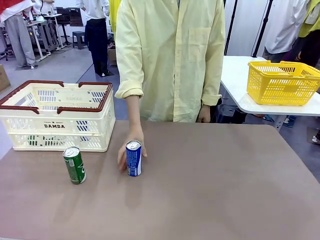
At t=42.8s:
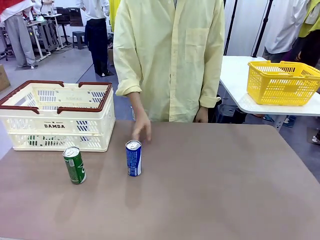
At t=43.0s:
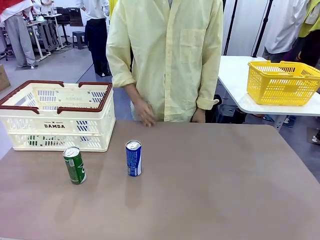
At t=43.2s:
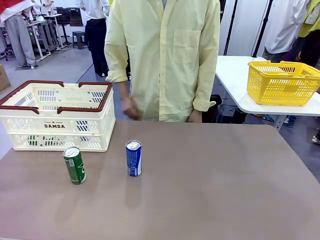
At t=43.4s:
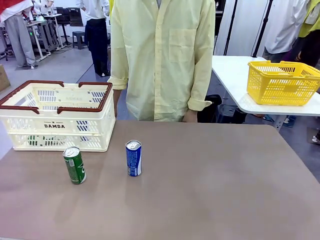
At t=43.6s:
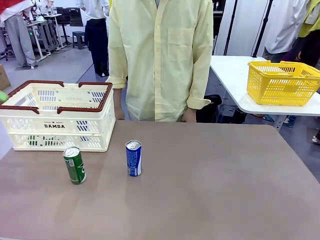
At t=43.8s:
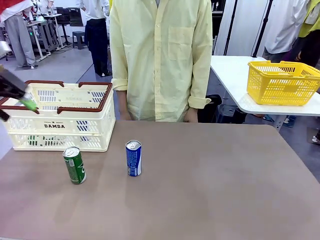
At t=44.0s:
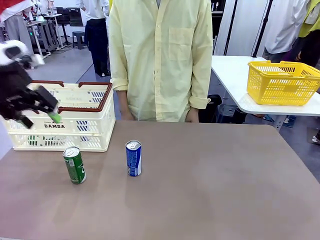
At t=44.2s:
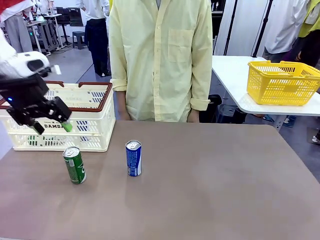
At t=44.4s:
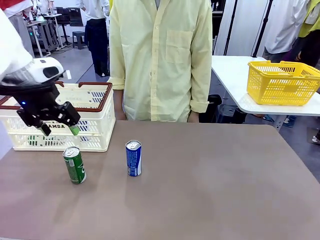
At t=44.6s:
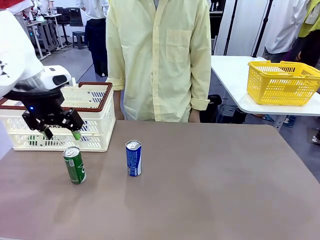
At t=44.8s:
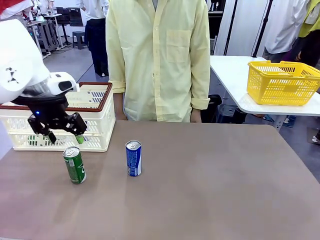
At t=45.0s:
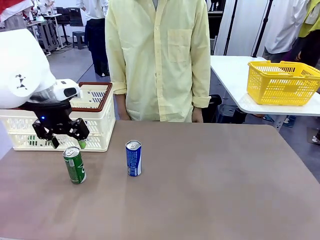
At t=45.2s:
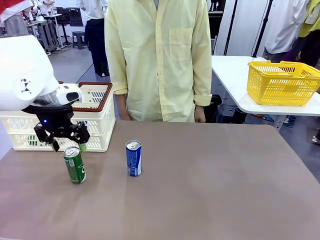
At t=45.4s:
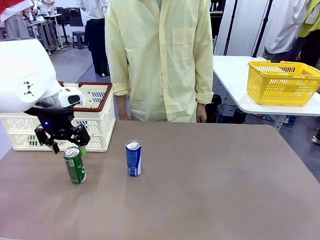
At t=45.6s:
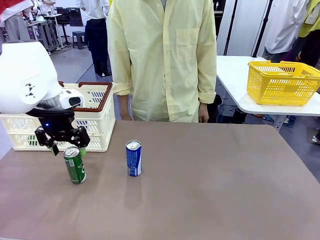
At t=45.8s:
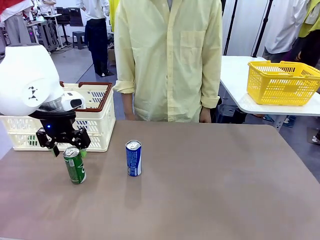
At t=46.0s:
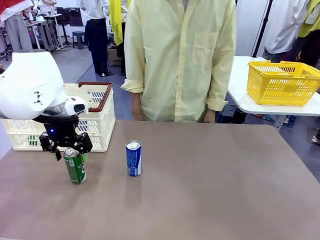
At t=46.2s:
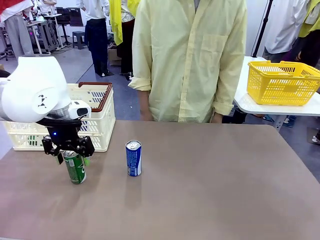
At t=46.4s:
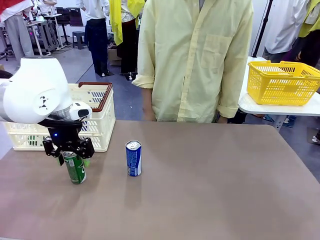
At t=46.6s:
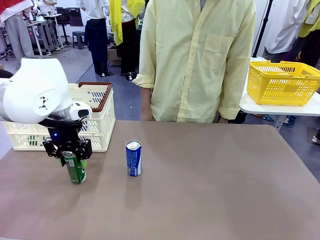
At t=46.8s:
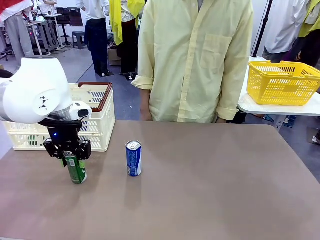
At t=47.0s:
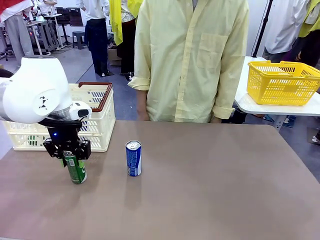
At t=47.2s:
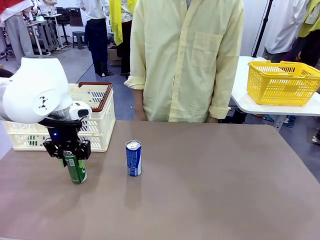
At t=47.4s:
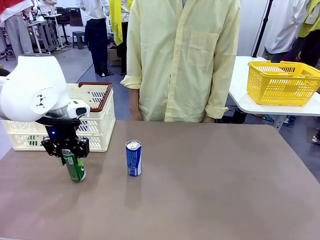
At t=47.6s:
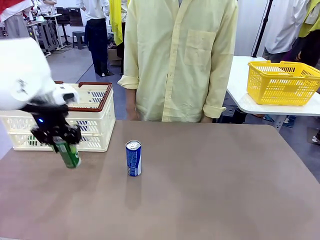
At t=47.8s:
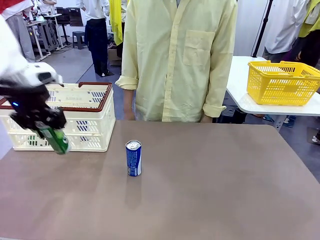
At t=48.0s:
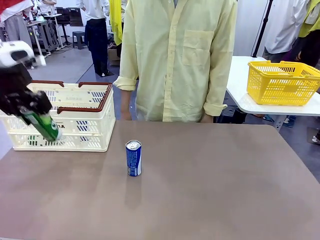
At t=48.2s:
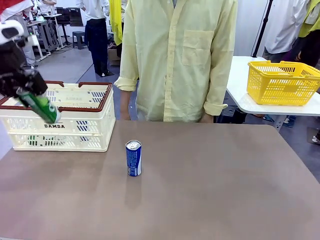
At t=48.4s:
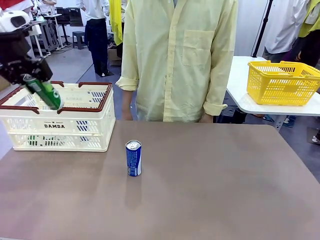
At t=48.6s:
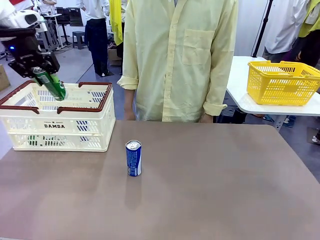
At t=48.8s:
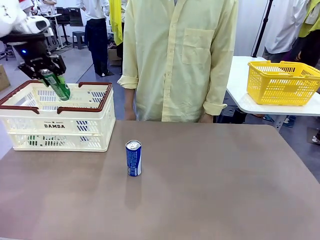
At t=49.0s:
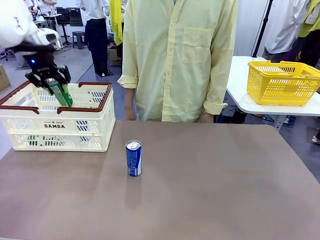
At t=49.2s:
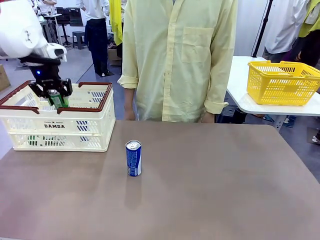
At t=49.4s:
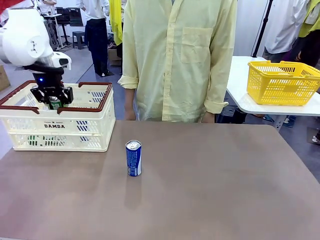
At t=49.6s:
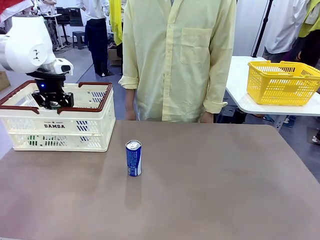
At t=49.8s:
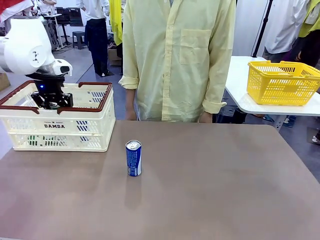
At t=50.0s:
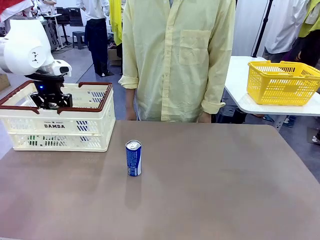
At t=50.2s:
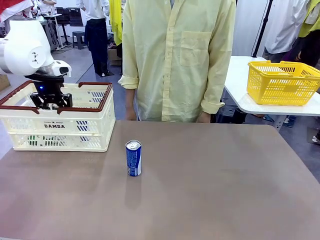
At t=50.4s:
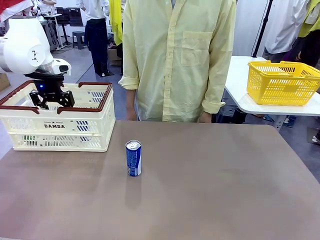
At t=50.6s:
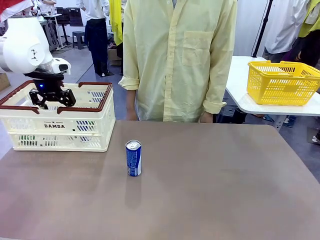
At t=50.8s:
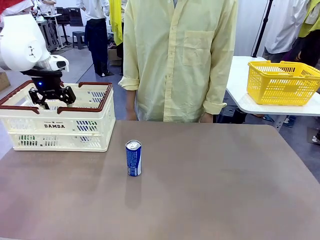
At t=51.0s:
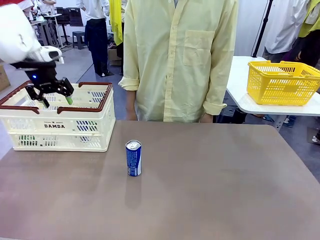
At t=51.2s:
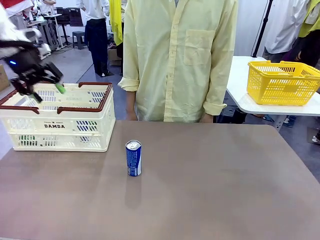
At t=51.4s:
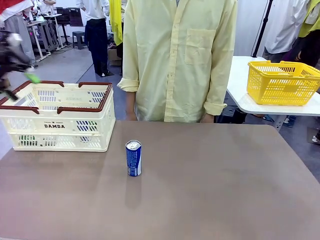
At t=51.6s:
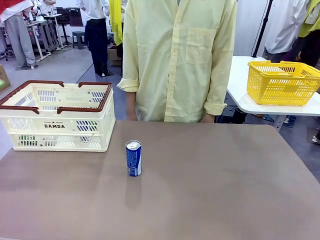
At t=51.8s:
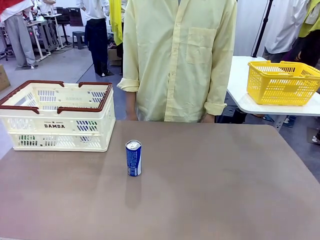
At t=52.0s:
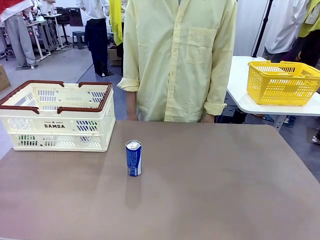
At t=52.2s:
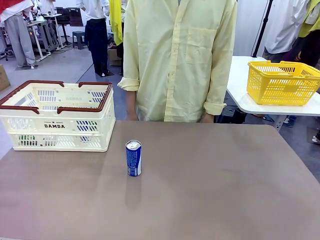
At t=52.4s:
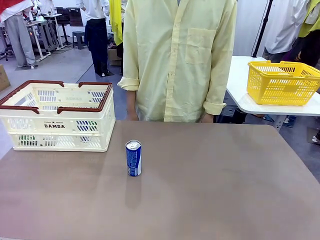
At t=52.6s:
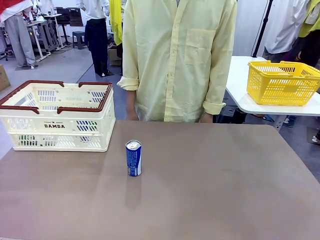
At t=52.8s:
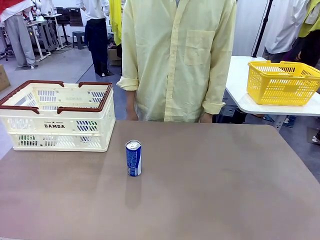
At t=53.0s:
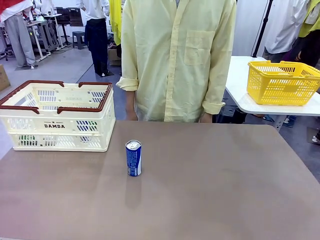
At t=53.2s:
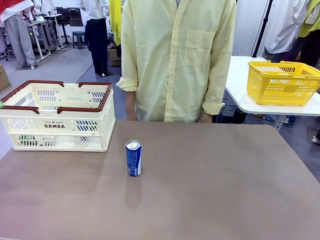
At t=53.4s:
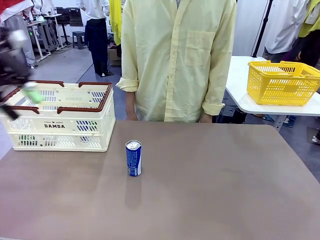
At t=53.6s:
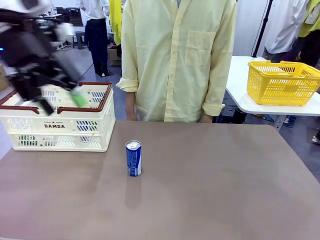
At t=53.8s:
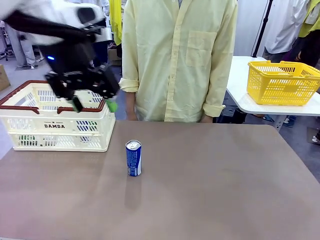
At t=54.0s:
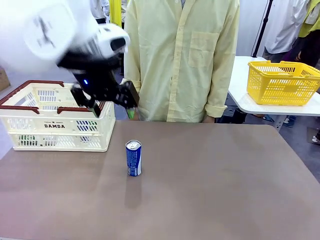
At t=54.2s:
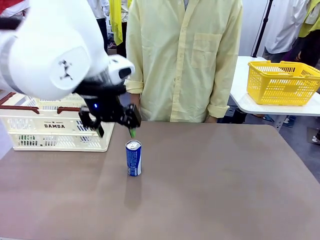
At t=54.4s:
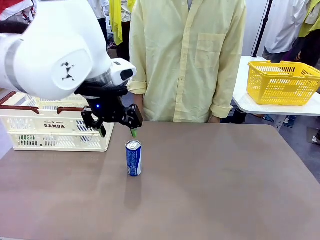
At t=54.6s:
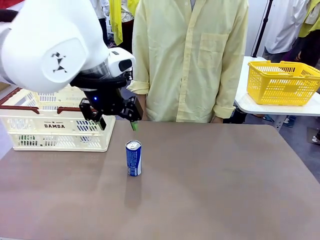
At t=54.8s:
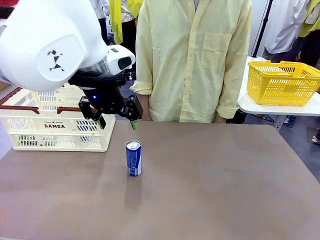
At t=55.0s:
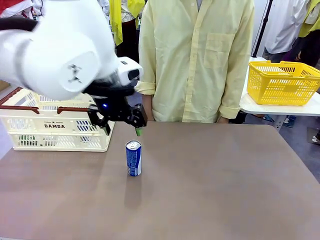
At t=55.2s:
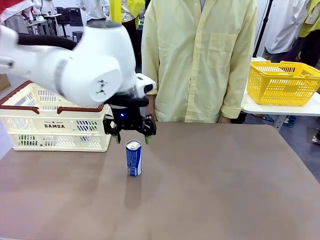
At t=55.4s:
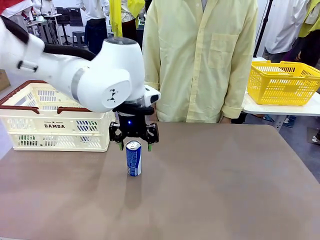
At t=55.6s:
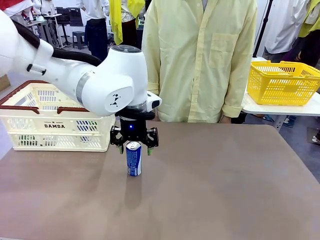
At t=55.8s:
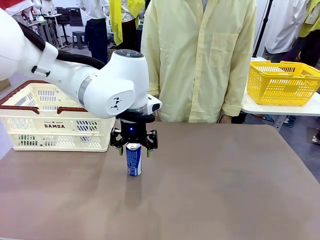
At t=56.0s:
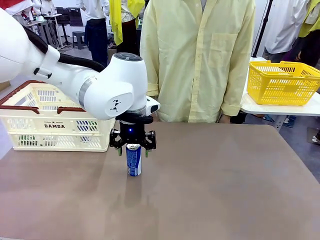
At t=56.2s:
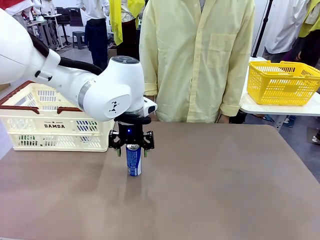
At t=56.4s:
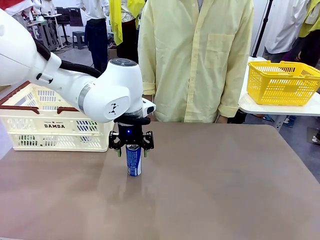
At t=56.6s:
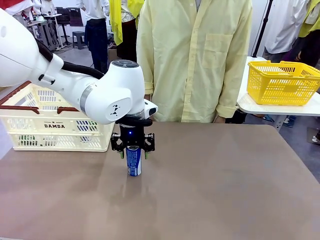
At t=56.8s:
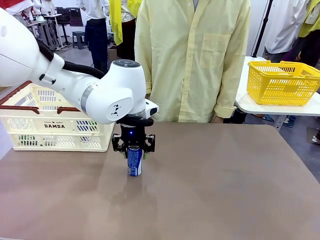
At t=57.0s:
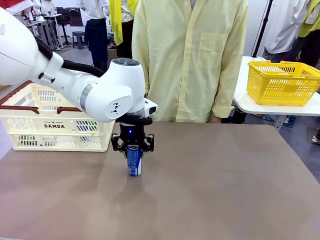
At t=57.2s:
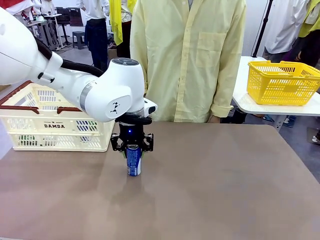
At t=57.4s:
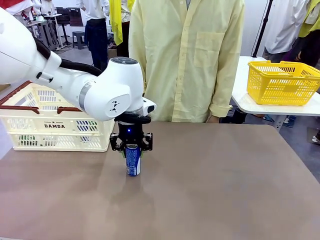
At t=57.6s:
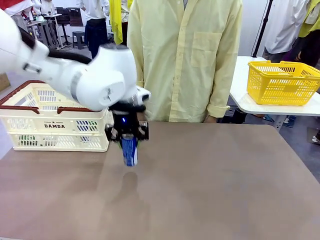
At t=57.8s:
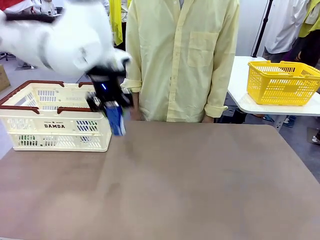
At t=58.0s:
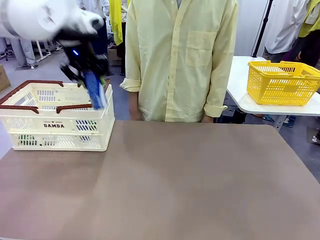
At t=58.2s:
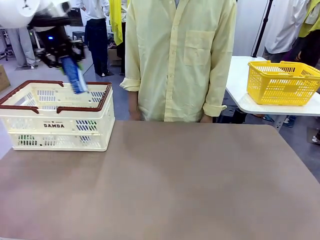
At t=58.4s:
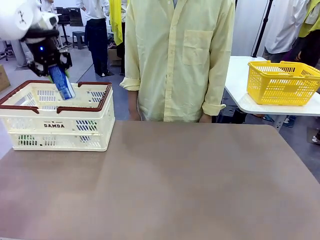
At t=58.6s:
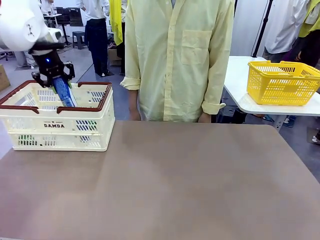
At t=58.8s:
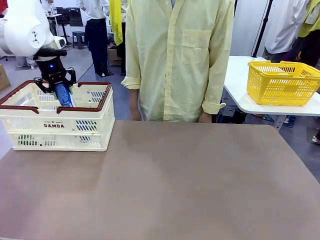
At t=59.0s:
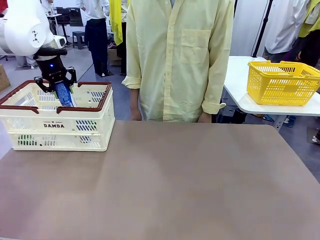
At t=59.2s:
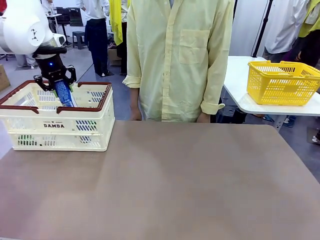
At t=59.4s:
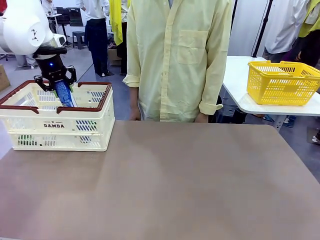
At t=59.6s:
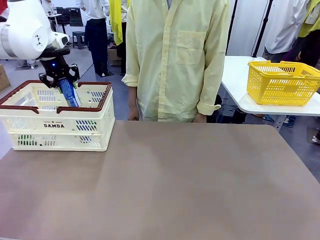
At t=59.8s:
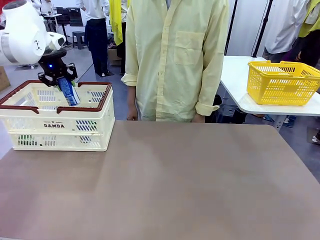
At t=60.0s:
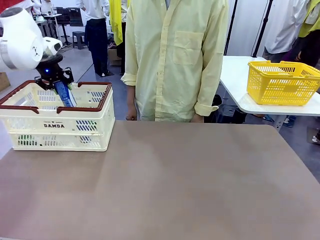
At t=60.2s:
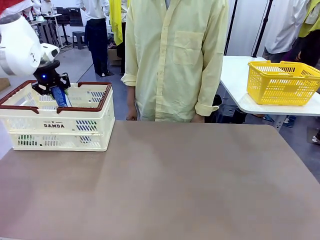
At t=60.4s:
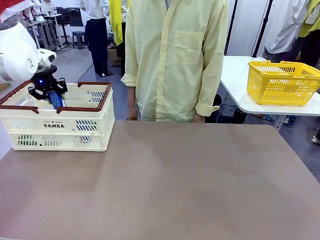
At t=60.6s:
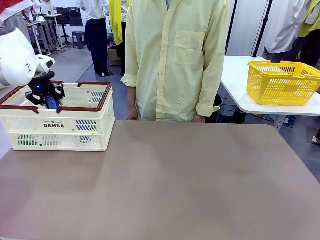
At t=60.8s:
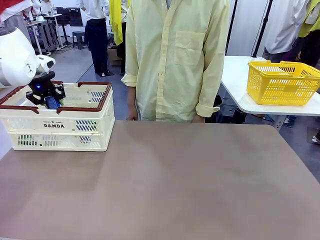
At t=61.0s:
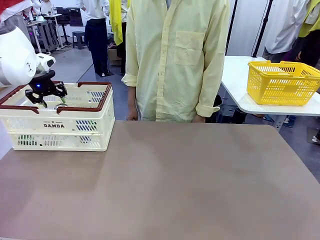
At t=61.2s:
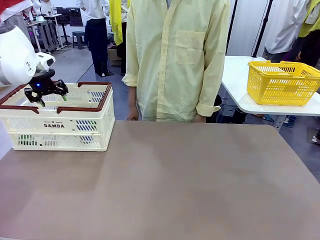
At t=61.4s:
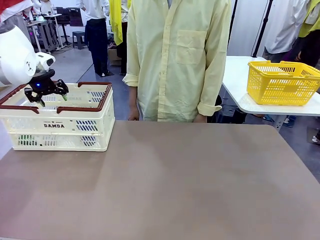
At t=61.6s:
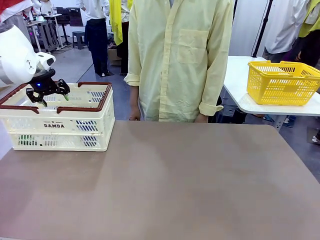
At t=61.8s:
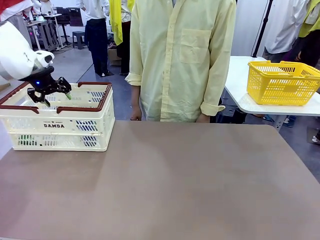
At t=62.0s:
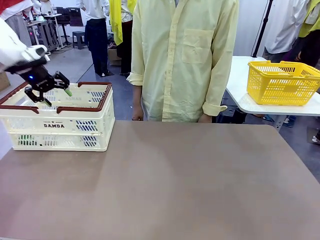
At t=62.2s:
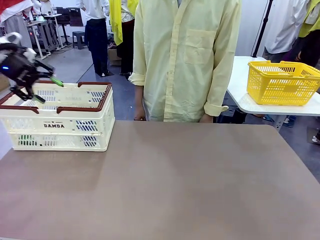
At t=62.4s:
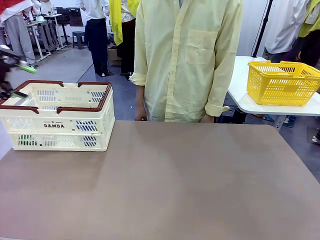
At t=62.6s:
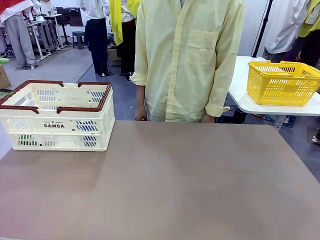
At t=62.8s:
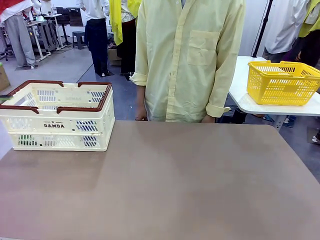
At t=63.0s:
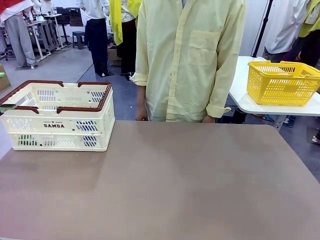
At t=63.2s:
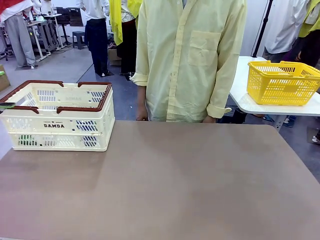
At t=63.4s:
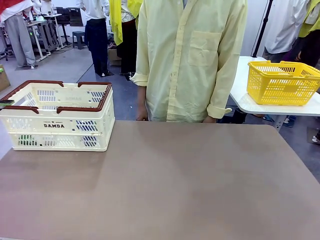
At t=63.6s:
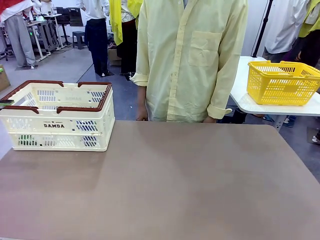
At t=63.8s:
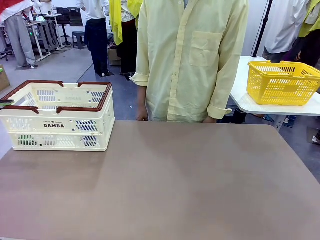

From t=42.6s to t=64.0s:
Task: Place the drinks into the Shopping basket.
Robot: Pick up one drink and place it into the Shopping basket.
